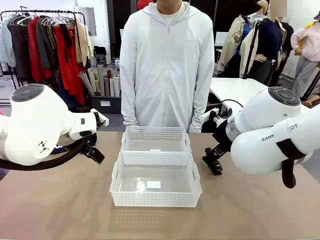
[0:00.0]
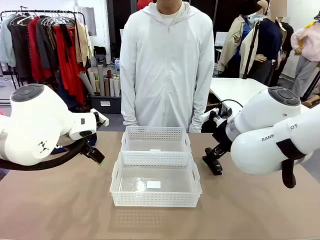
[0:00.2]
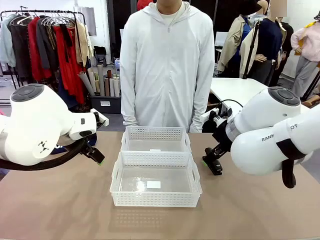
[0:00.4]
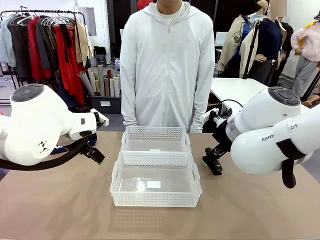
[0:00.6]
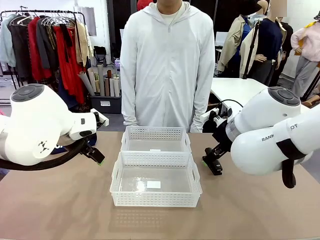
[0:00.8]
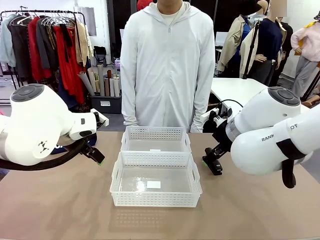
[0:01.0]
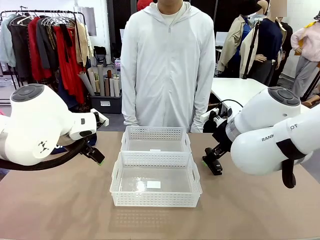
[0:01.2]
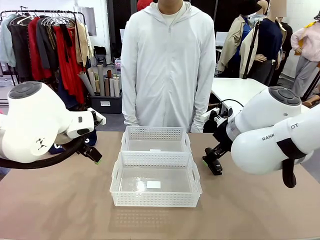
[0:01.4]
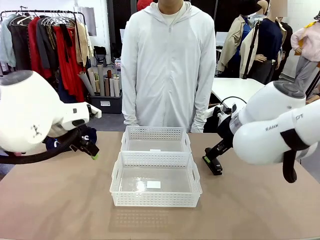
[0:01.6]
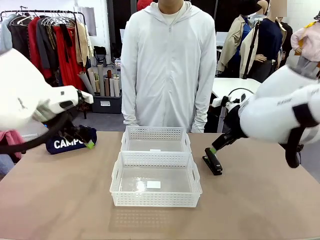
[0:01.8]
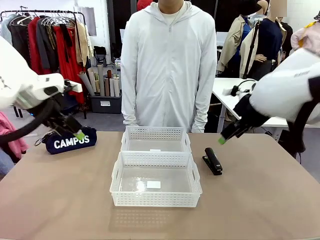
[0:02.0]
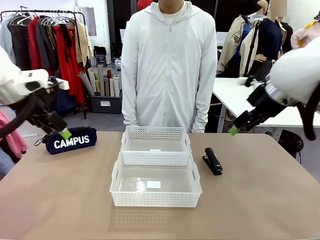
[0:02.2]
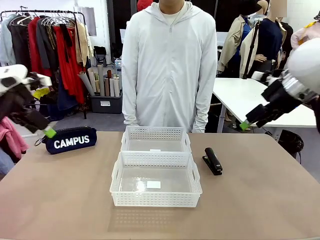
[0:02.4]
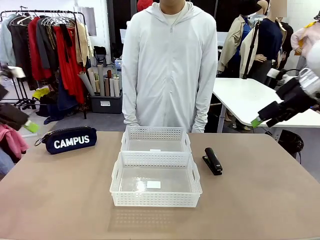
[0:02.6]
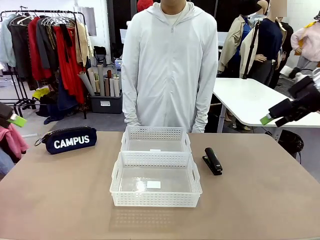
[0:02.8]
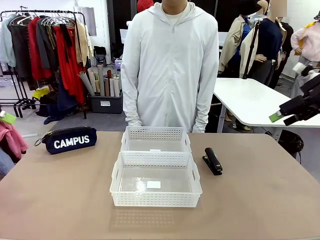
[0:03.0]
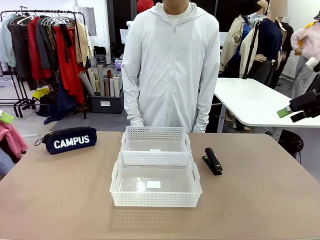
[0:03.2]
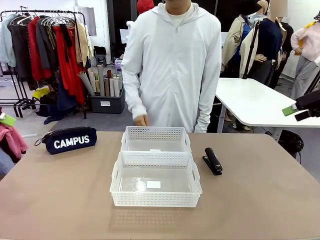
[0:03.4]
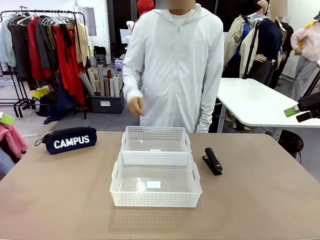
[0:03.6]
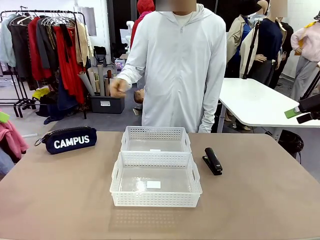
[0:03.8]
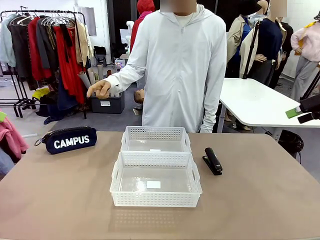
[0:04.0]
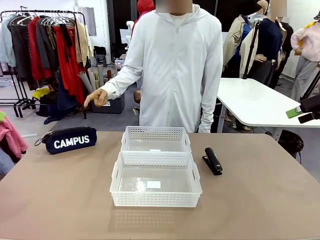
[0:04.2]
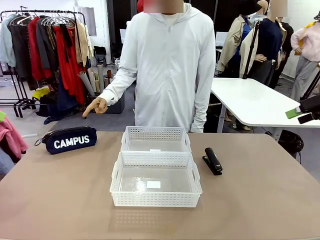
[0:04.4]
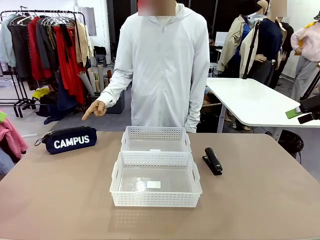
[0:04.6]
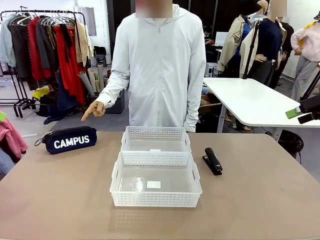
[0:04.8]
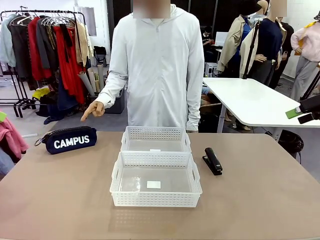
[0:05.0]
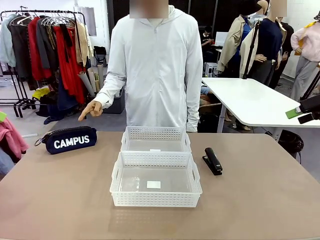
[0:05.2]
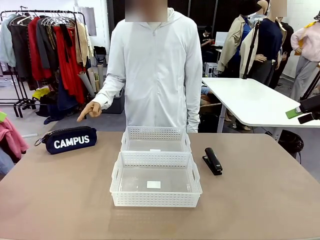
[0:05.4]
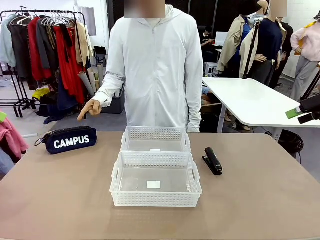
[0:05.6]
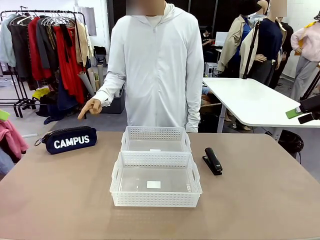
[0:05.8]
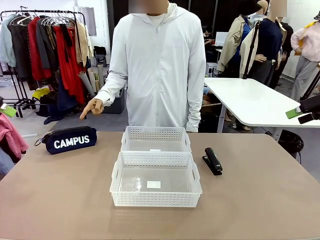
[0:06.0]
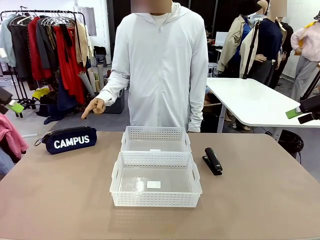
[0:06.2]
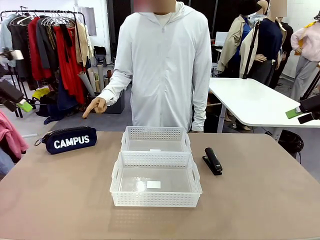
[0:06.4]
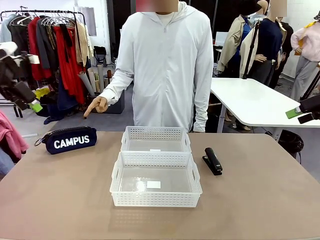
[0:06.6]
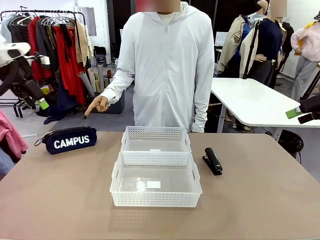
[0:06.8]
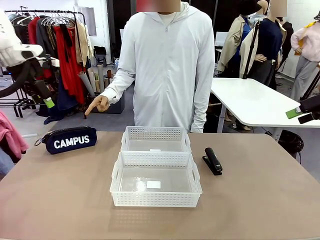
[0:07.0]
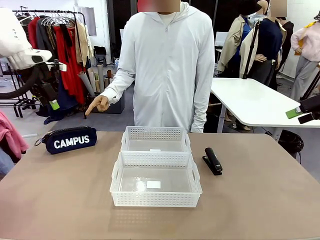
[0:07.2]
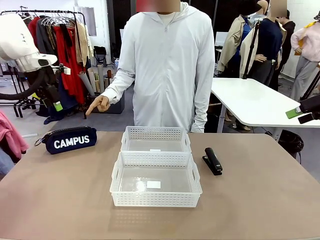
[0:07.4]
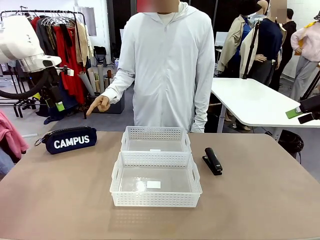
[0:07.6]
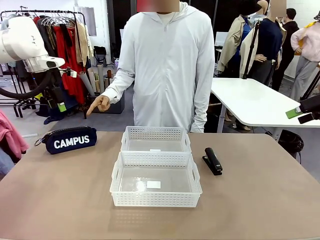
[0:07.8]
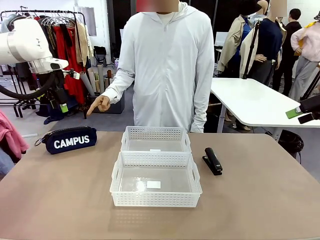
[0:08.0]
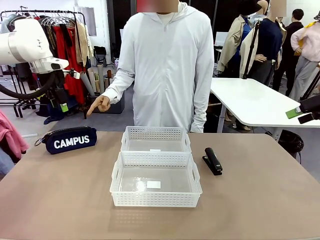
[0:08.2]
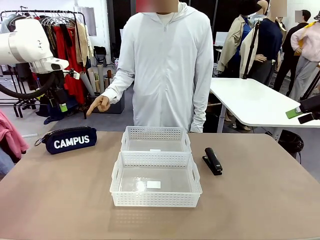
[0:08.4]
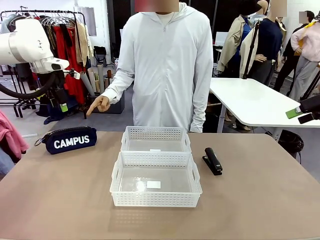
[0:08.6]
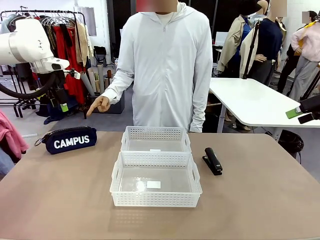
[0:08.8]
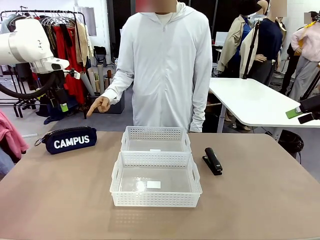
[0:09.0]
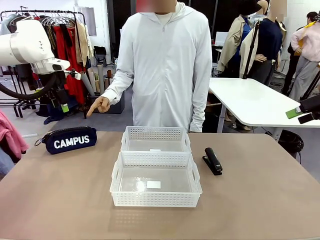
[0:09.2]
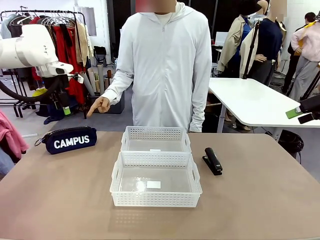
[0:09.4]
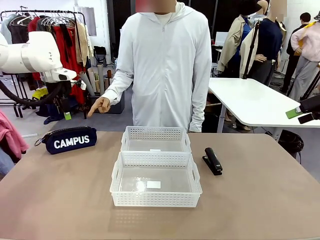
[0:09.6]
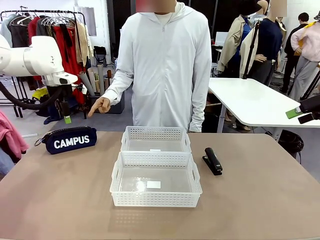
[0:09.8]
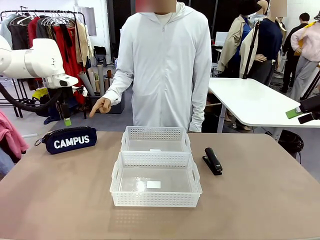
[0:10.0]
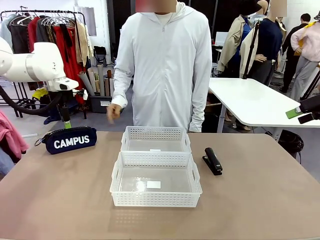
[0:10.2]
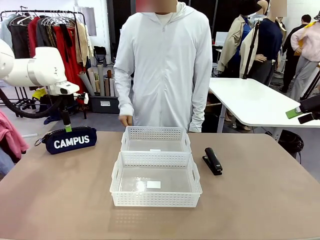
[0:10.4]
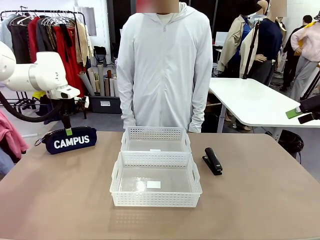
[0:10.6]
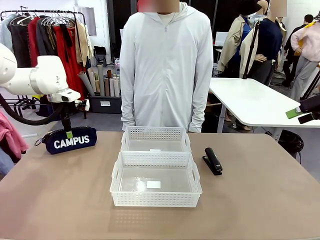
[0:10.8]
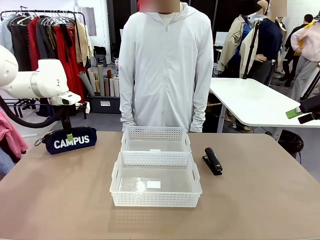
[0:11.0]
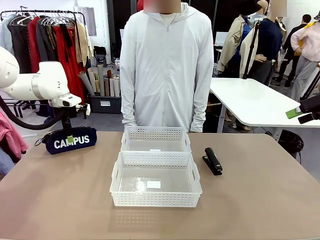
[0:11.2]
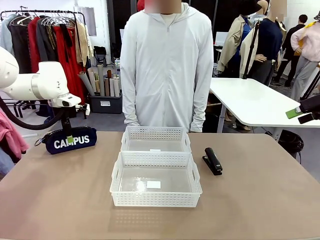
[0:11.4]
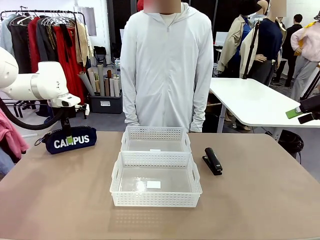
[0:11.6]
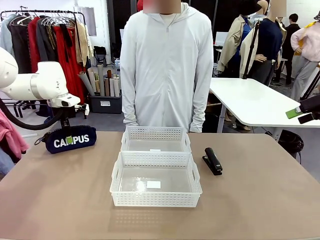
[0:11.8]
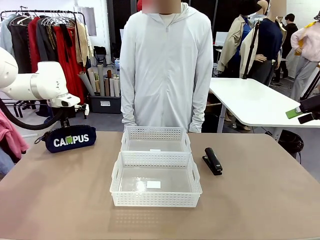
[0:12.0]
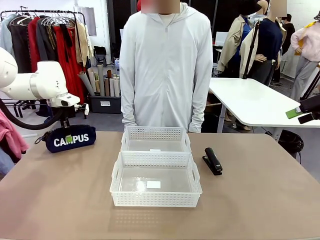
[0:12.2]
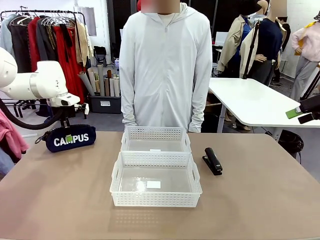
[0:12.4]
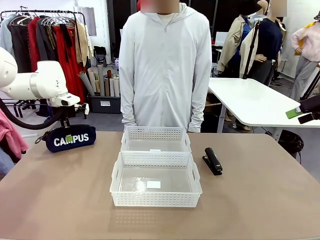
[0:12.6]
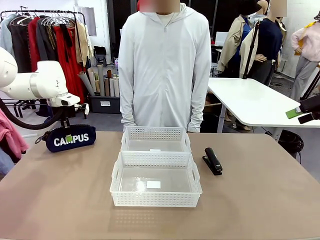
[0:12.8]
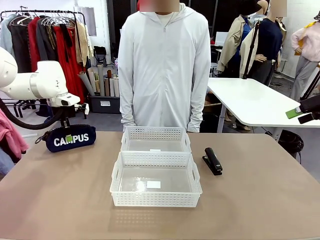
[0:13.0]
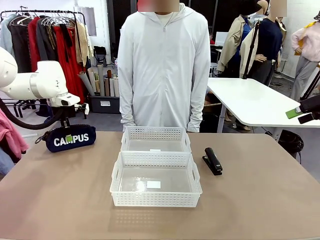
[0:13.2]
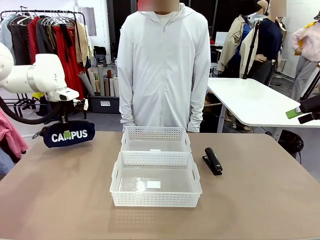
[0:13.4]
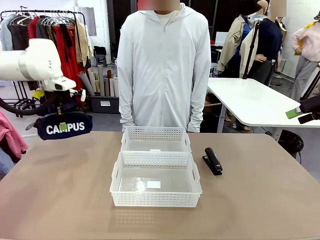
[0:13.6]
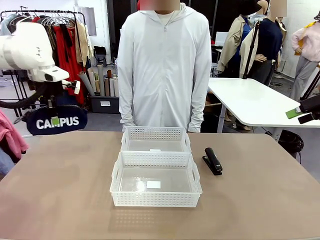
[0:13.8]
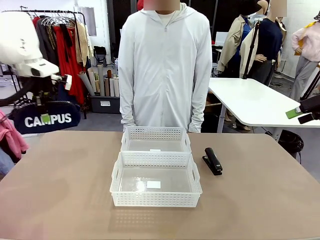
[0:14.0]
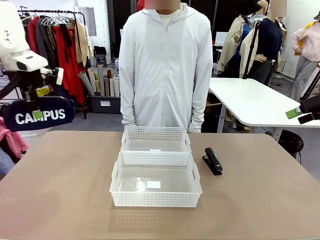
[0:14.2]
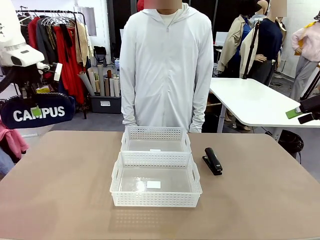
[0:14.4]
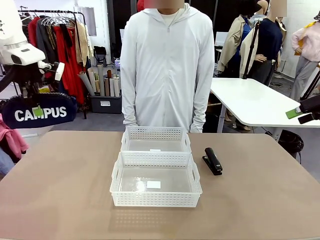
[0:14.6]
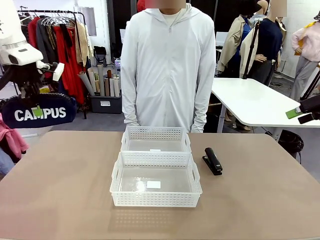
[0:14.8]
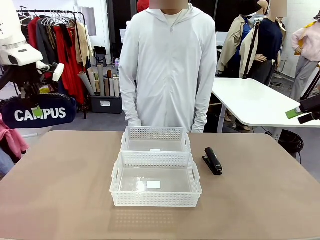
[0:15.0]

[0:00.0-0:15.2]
Task: Distribute items into two baskets.
Robot: Pick up the Pencil pouch that the person points to.
Person: Points to the pencil case. Points between the two organizing baskets and instructs the robot to move the pencil case.

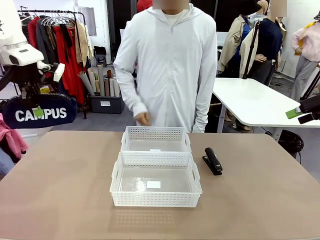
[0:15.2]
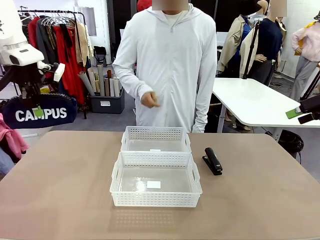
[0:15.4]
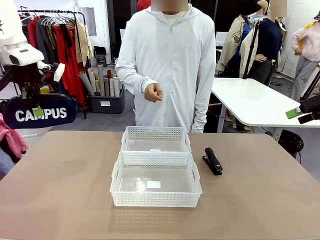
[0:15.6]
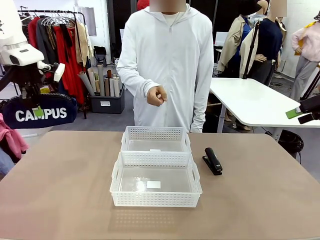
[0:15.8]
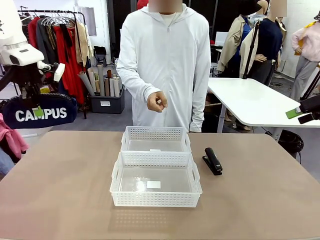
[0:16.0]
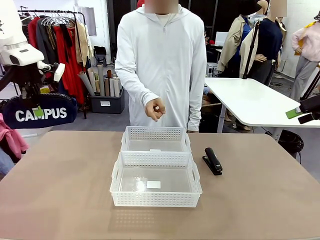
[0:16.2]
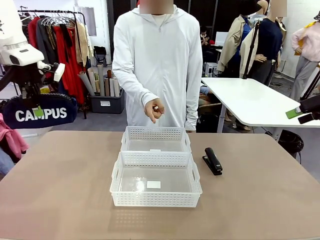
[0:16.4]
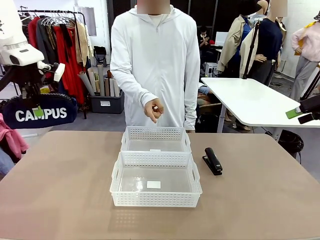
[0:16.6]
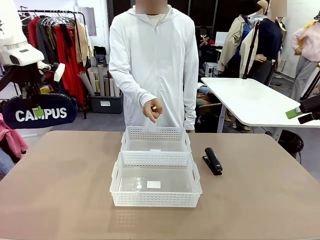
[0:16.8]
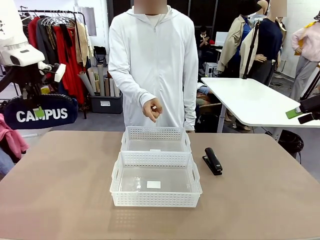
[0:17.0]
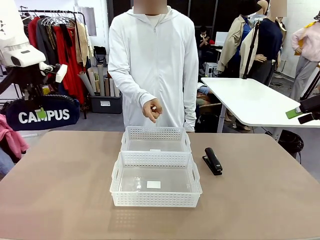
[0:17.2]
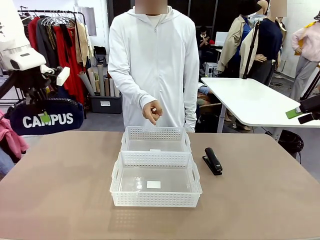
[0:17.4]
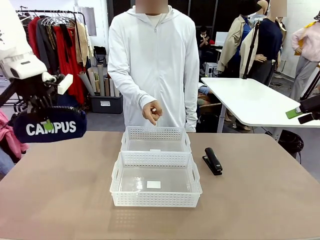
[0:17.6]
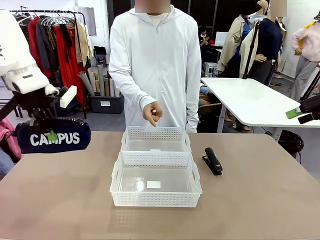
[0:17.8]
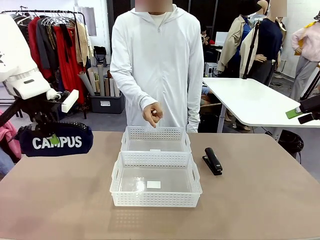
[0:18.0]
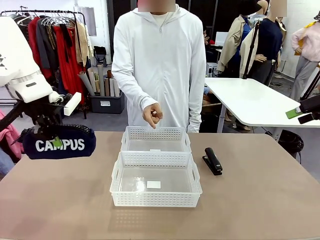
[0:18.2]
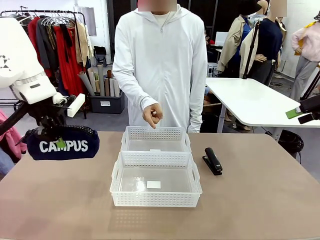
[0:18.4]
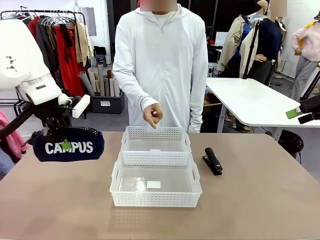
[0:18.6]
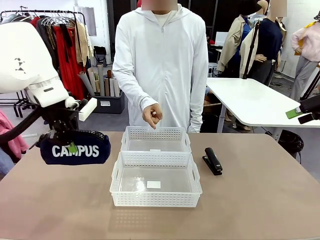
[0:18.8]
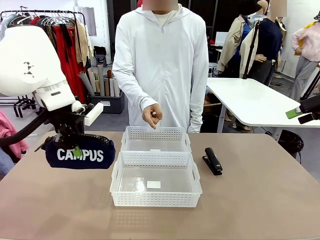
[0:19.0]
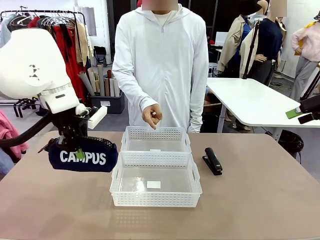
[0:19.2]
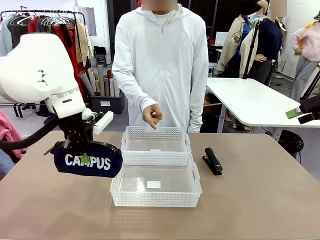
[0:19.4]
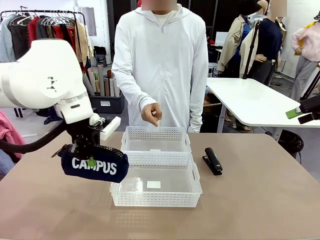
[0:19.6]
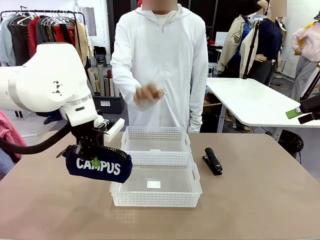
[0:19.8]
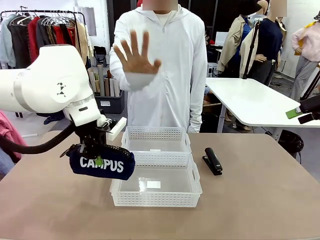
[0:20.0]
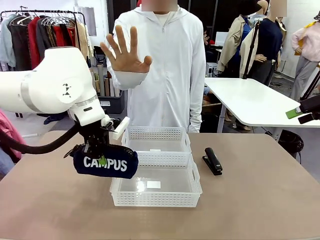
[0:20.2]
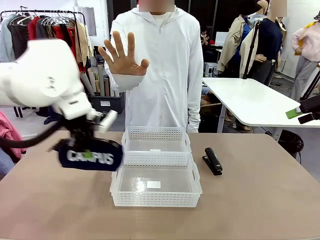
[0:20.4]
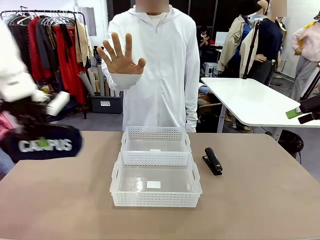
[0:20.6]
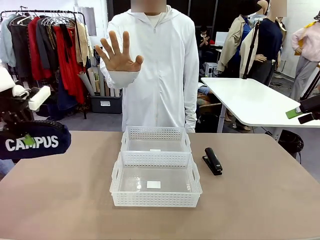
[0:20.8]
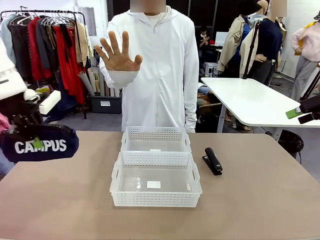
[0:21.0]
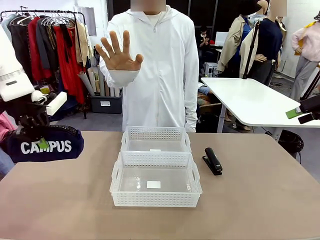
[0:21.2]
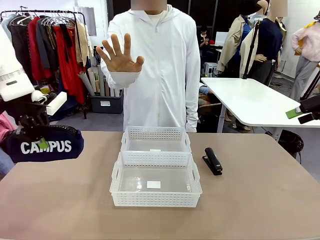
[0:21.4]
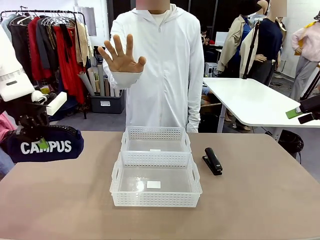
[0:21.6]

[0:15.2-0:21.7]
Robot: Move the picked Pencil pouch towards the Organizing basket indicated by the person, stopping as directed.
Person: Sends a stop gesture before the robot places the pencil case into the basket.
